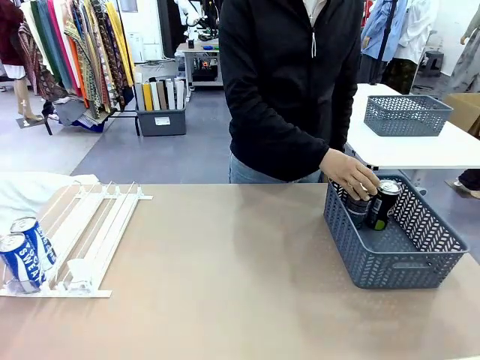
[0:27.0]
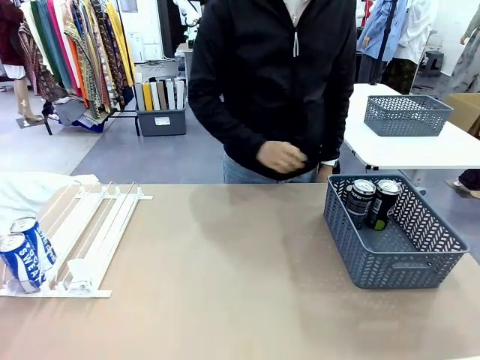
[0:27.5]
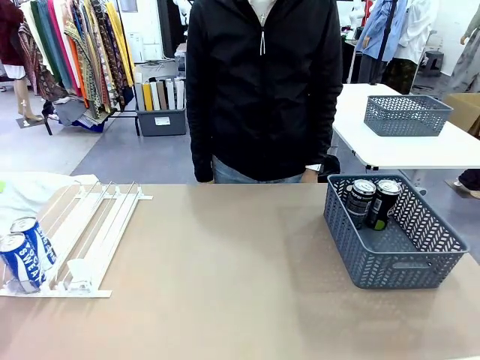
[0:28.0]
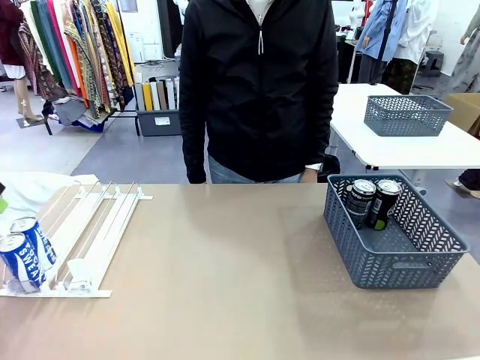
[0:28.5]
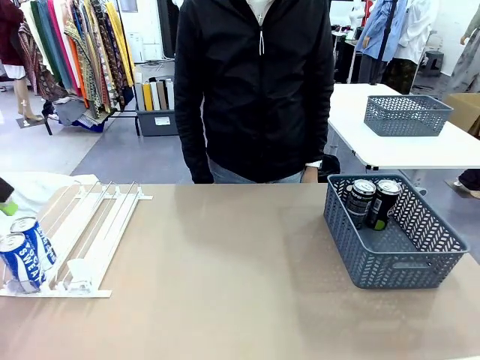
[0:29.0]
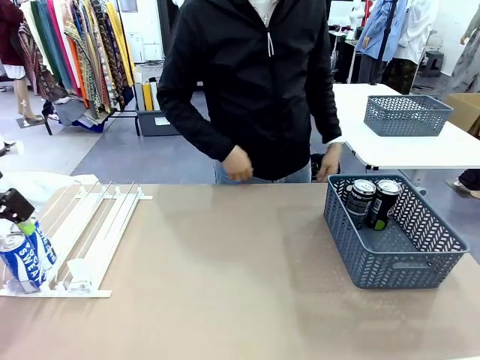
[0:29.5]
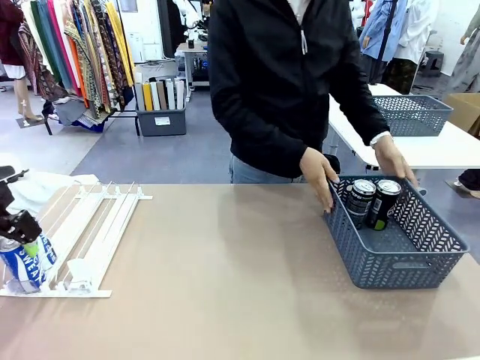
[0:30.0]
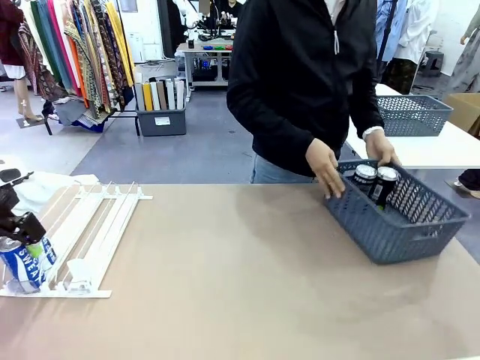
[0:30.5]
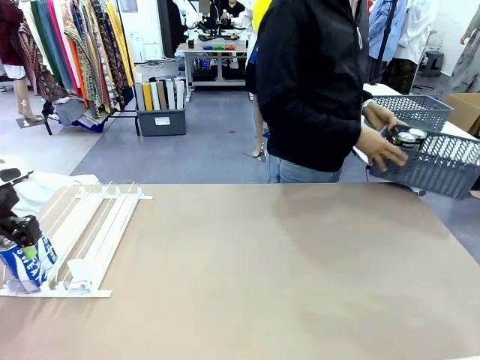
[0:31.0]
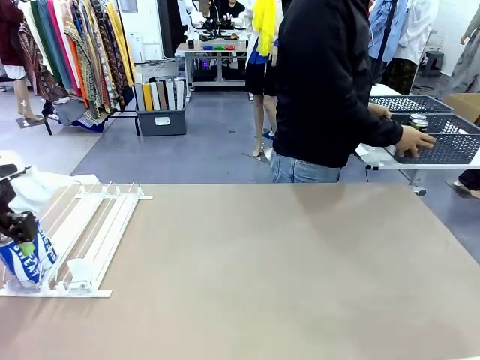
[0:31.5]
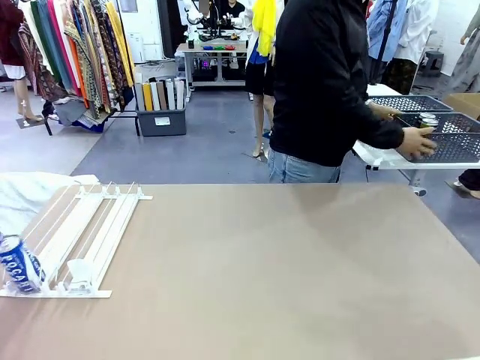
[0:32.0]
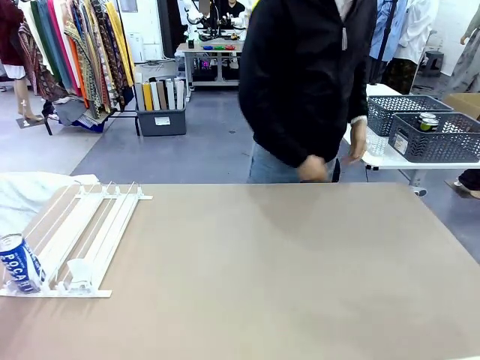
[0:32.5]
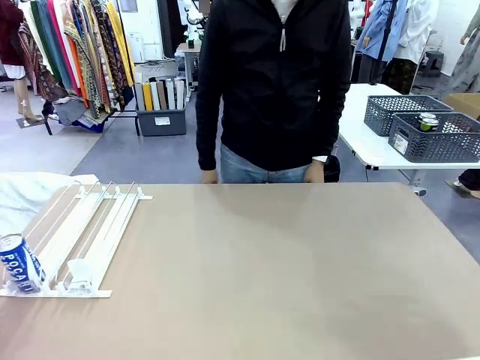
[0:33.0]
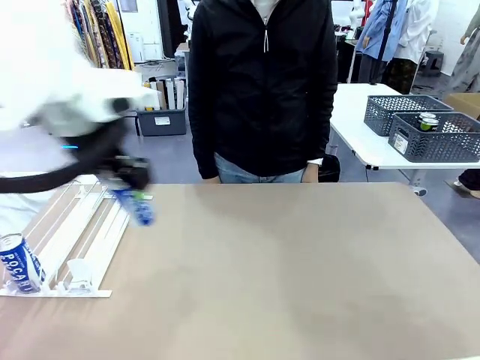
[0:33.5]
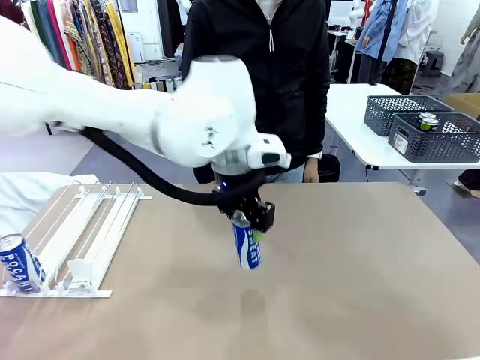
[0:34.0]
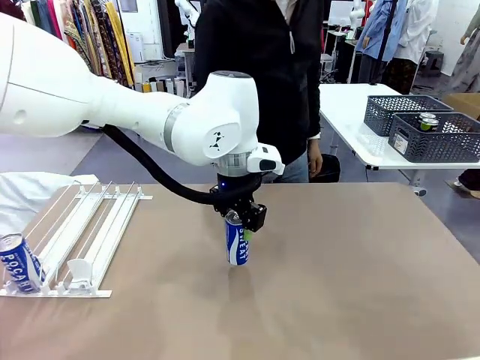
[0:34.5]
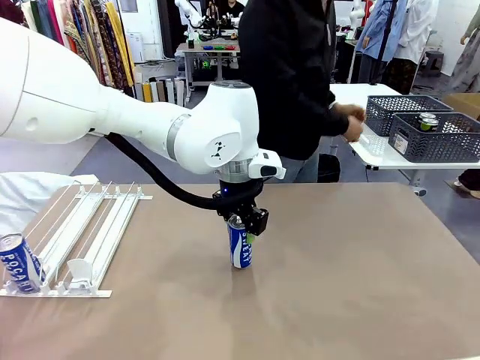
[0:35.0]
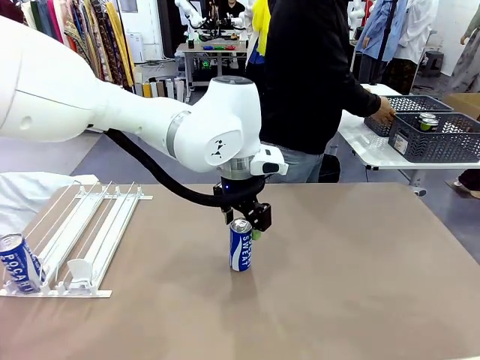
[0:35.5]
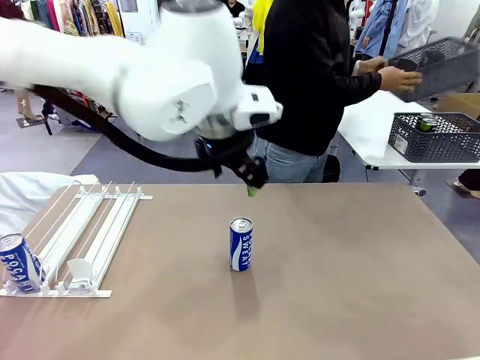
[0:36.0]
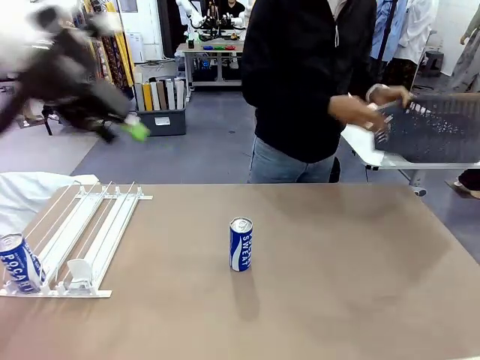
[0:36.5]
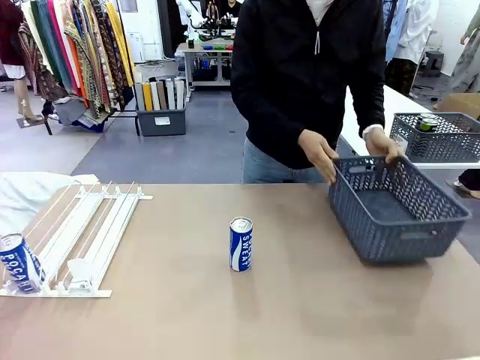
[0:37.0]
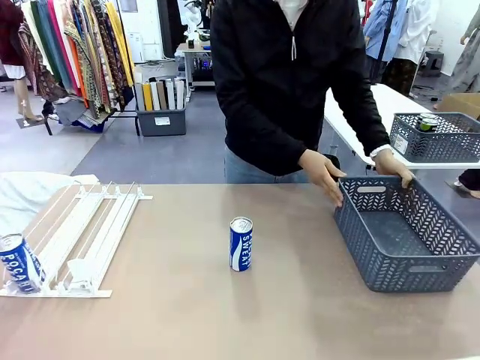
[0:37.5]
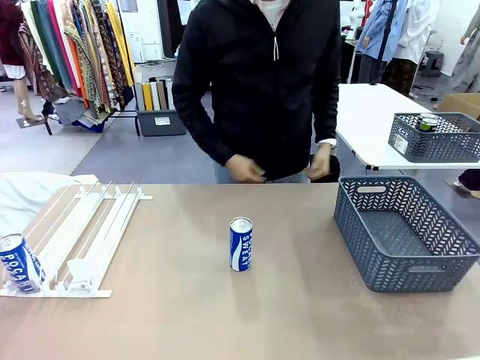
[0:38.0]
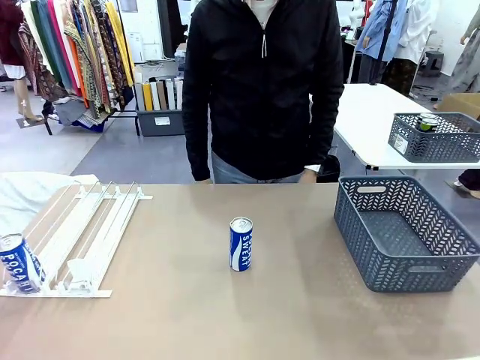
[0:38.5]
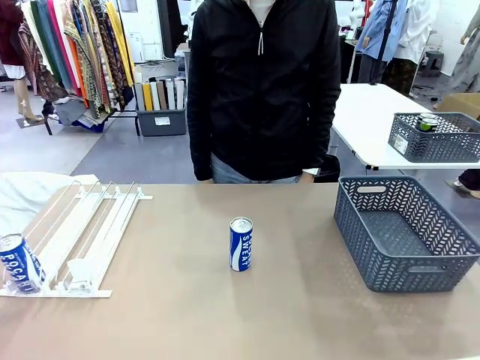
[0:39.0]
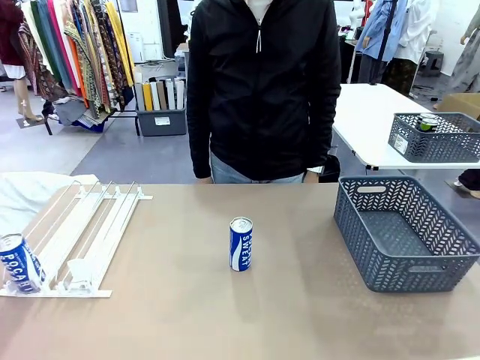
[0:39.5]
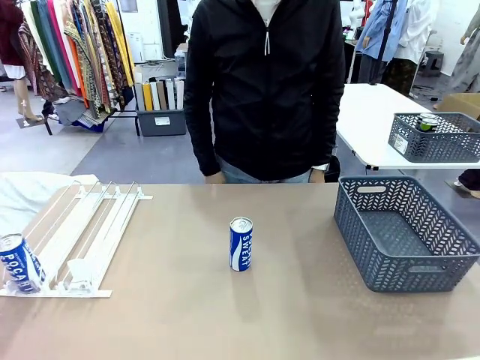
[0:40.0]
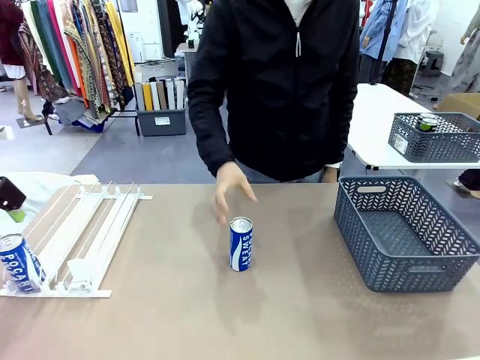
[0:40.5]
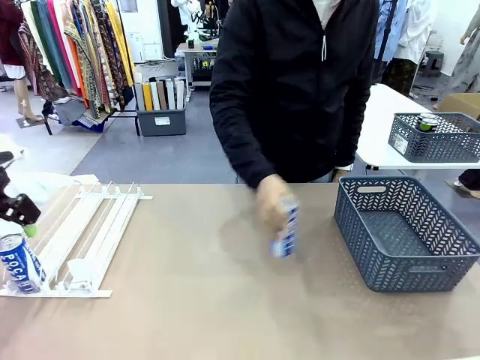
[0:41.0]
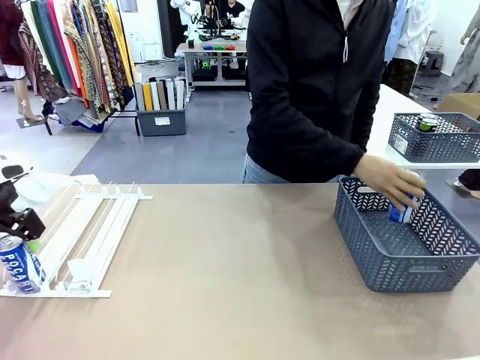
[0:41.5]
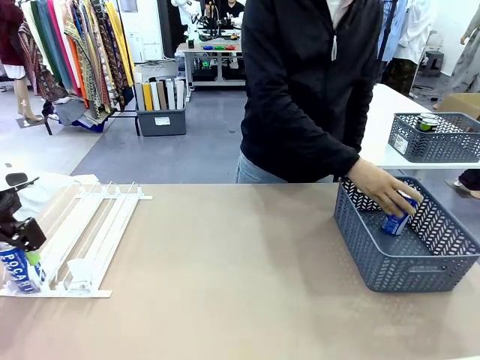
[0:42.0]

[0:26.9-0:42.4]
Task: Retrieve and store the cans from the dispenser.
Robot: Pick up one can from the Automatic Can Dispenser and place it in the middle of the table.
Person: Pick up the basket and place it in the middle of the human table. Pick up the empty basket and place it on the left side of the robot table.

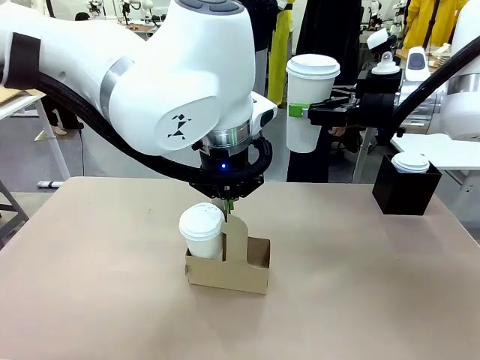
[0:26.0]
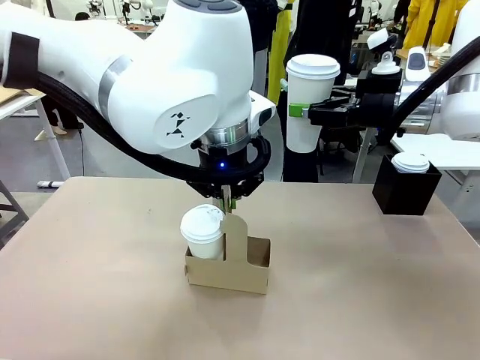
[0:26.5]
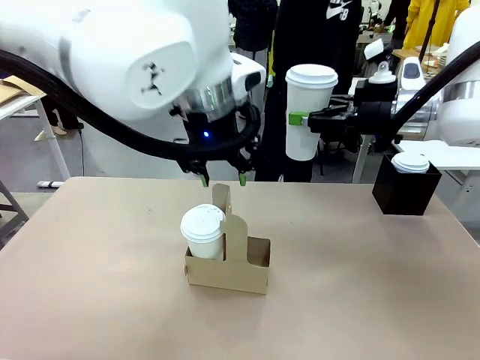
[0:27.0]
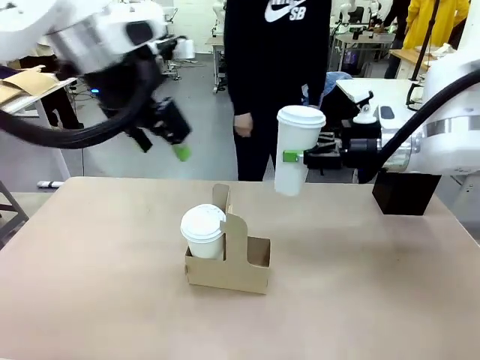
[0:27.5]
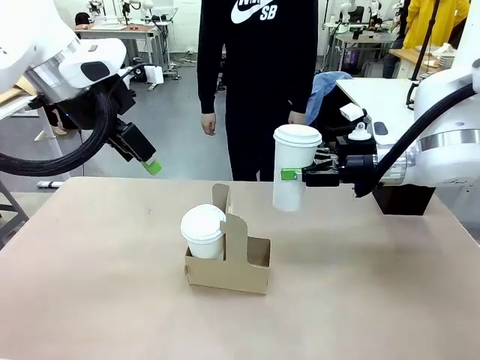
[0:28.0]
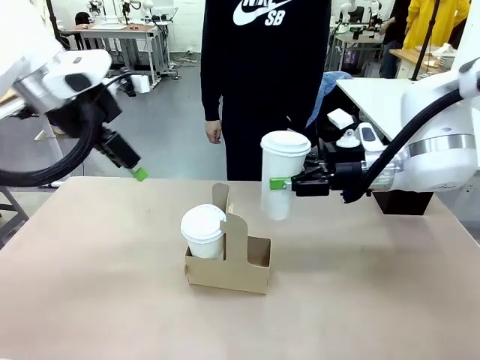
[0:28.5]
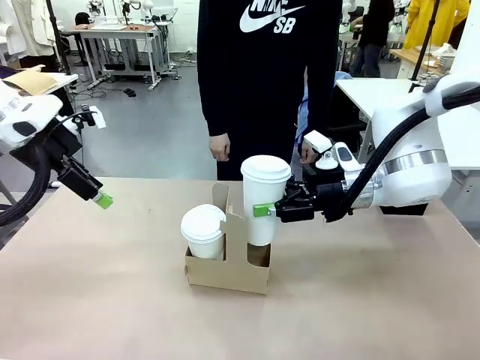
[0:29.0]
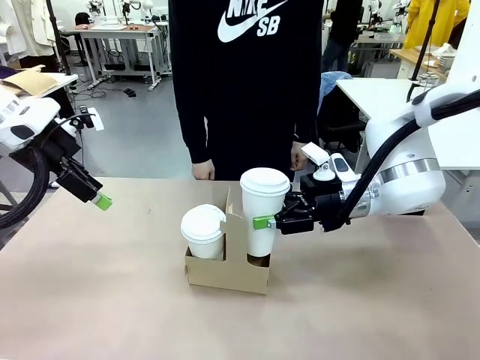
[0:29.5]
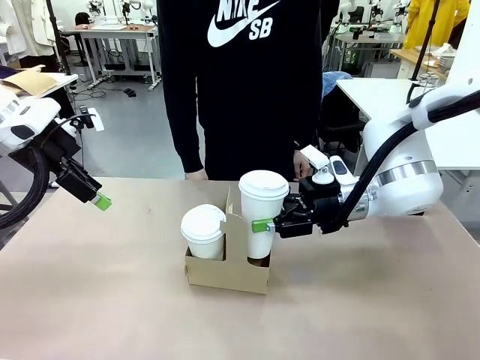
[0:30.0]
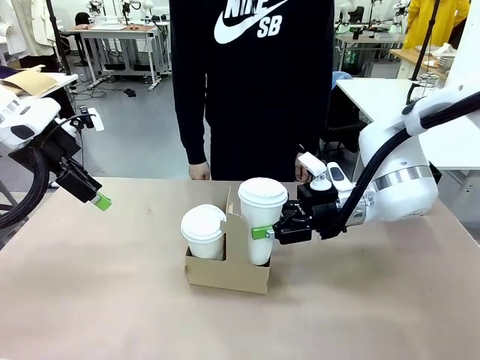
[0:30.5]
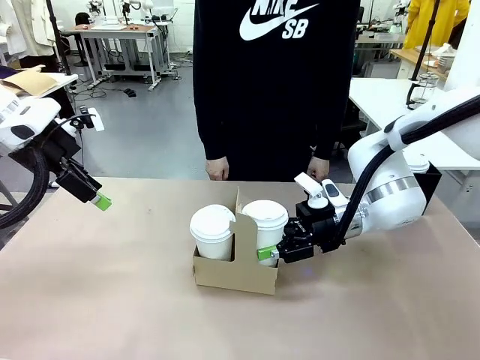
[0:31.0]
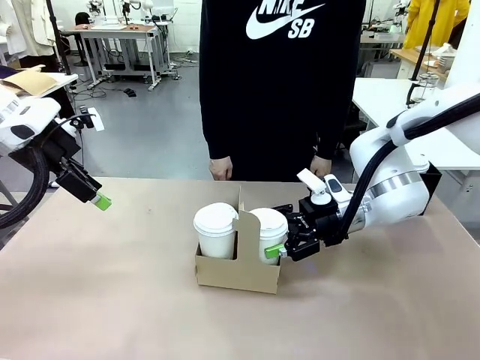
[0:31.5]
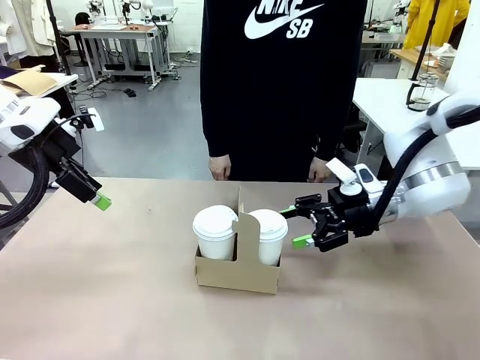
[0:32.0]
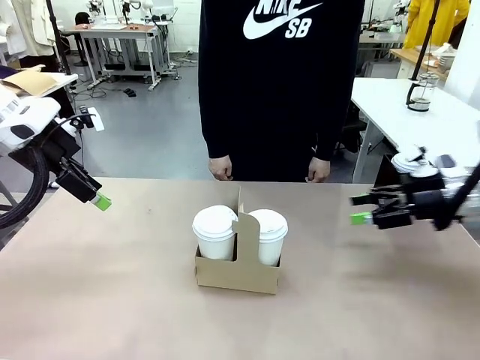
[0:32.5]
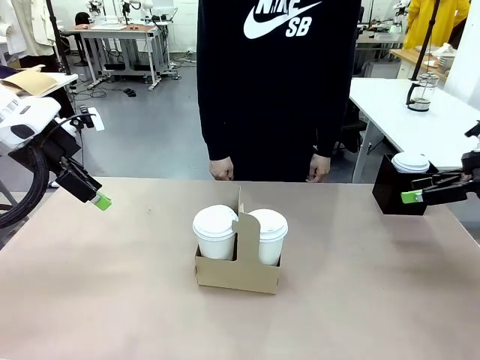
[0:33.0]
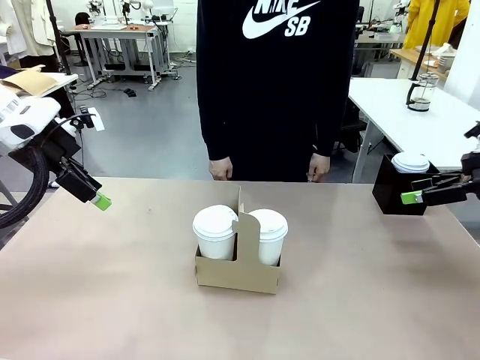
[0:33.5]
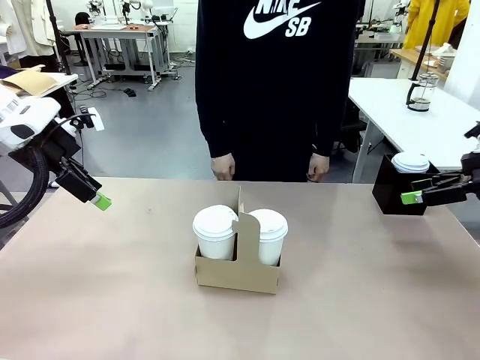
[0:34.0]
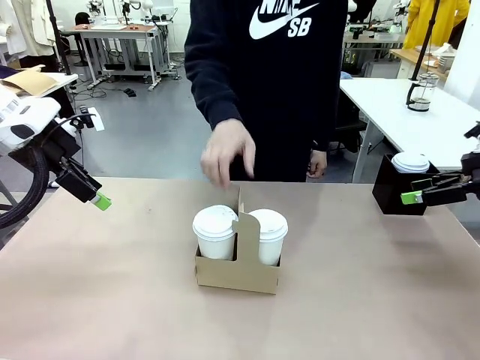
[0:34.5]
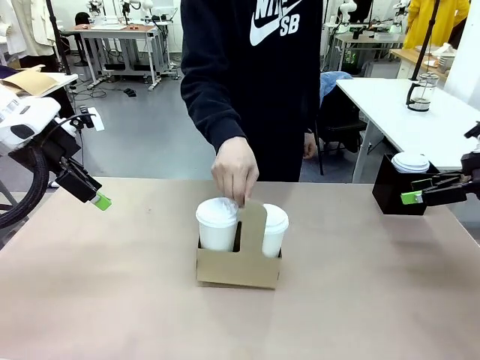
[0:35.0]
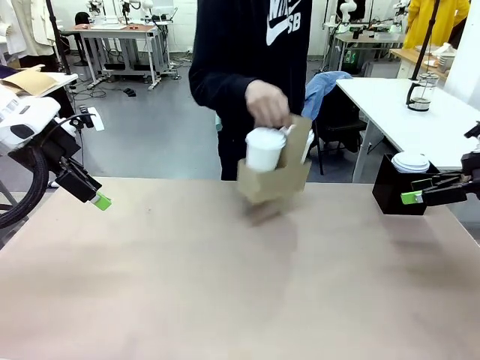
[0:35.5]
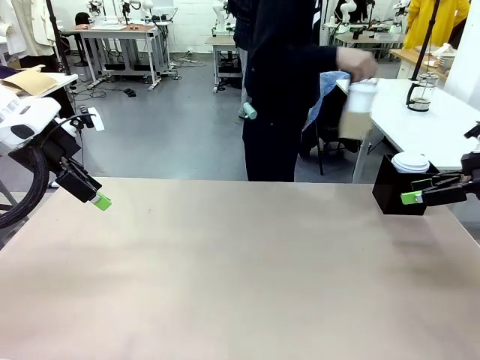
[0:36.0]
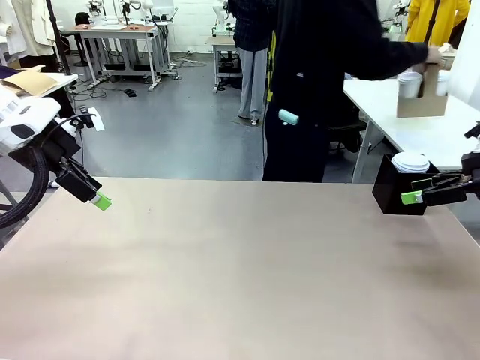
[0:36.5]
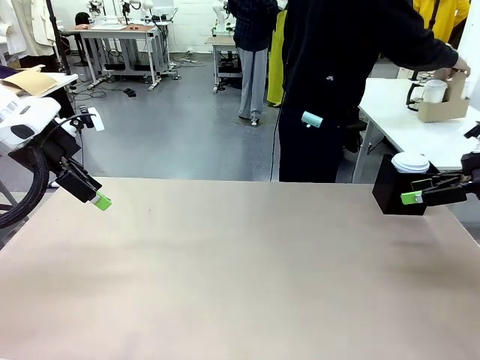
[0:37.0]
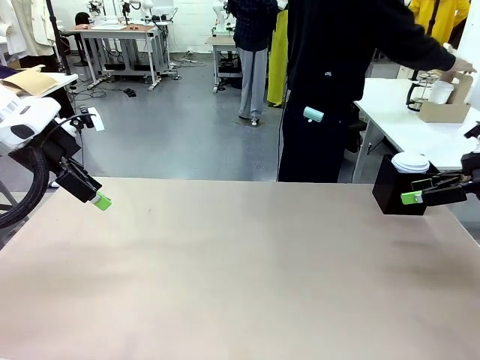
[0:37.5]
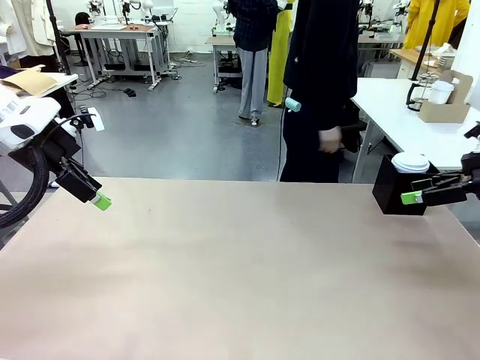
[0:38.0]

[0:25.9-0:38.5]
Task: Pour a drink into a cup and package it in a carrier.
Robot: Insert the held 600 ml Paper Cup into the Cup Carrier.
Person: Place the Cup Carrier to the middle of Human table.
